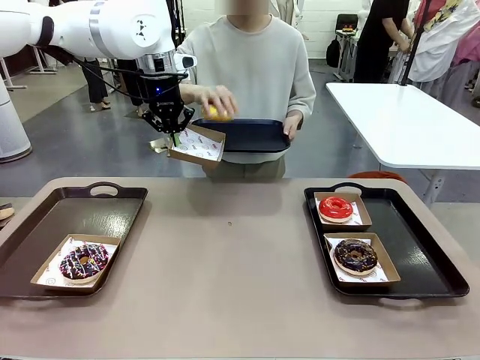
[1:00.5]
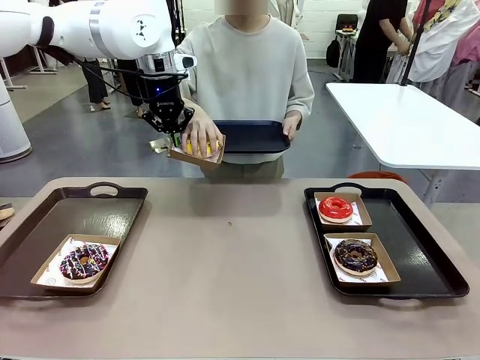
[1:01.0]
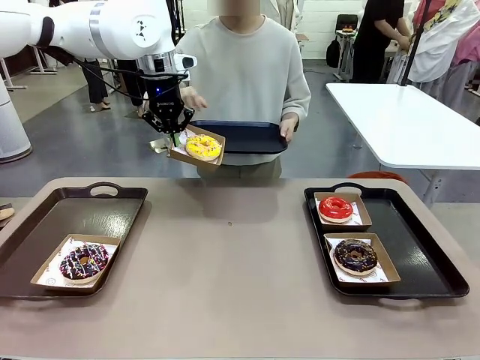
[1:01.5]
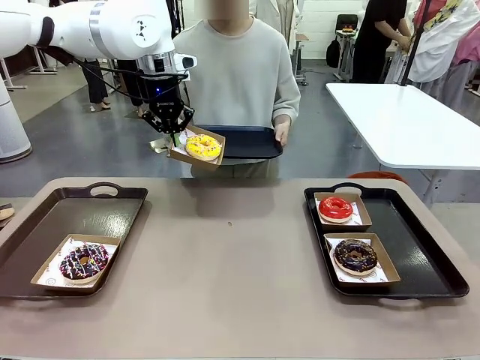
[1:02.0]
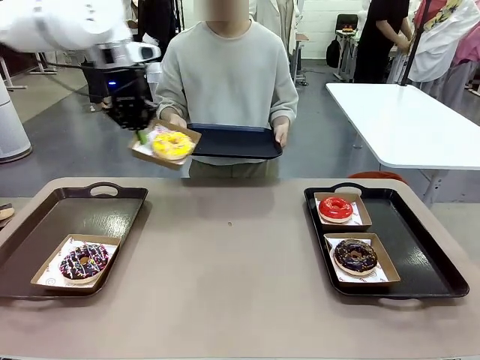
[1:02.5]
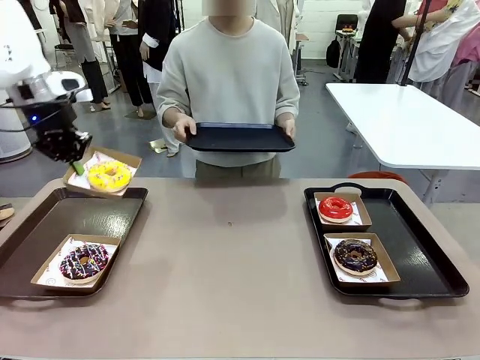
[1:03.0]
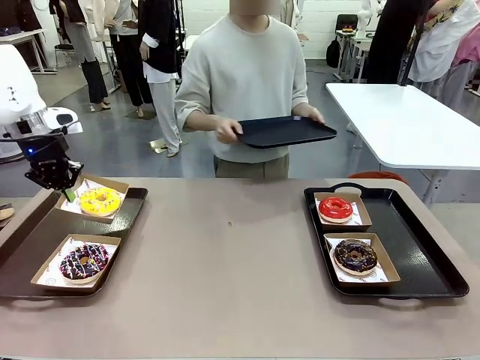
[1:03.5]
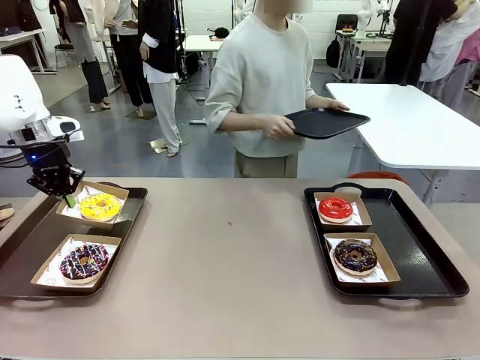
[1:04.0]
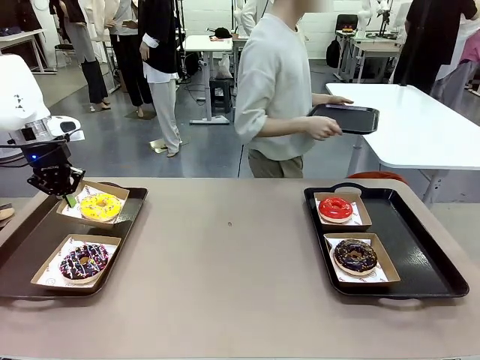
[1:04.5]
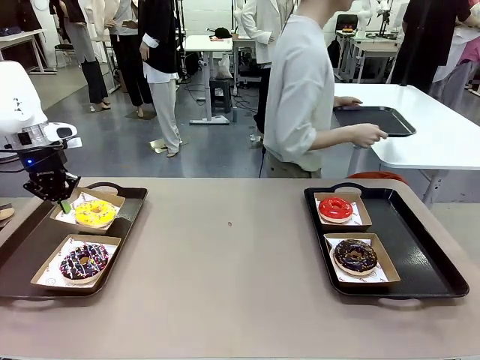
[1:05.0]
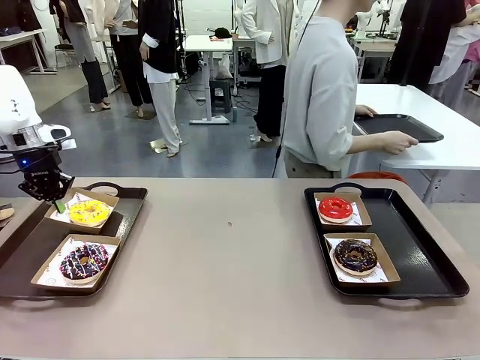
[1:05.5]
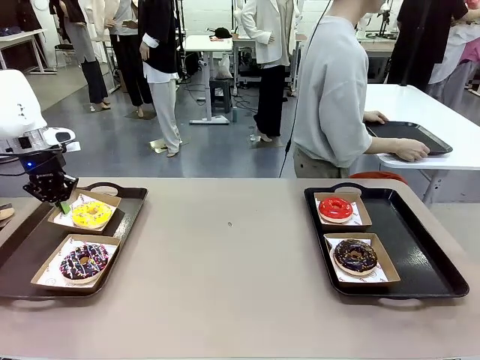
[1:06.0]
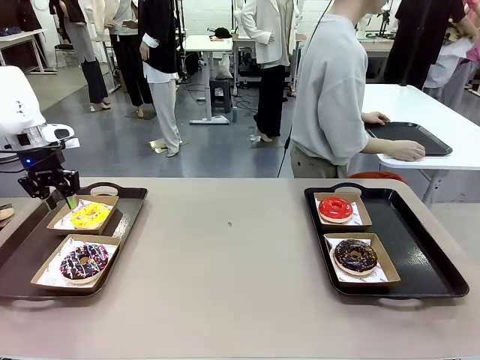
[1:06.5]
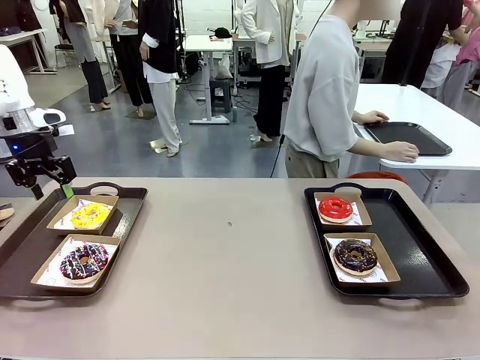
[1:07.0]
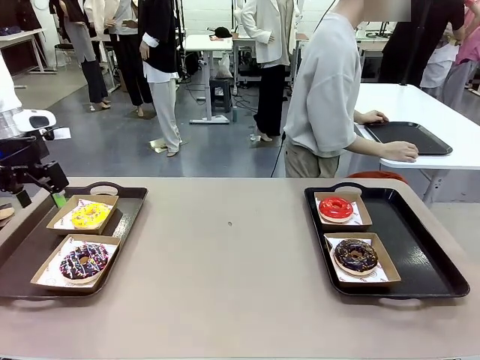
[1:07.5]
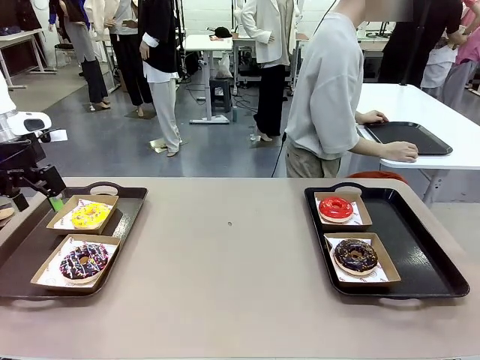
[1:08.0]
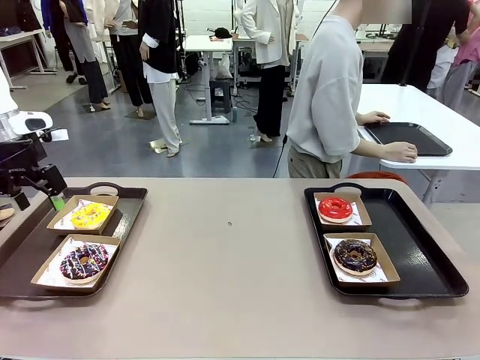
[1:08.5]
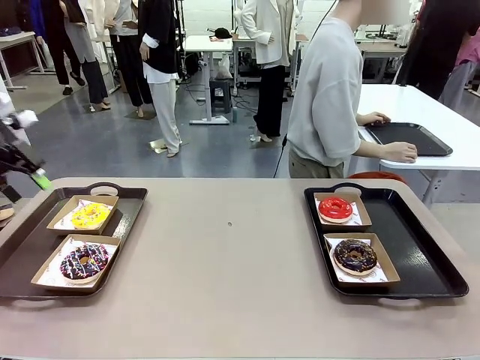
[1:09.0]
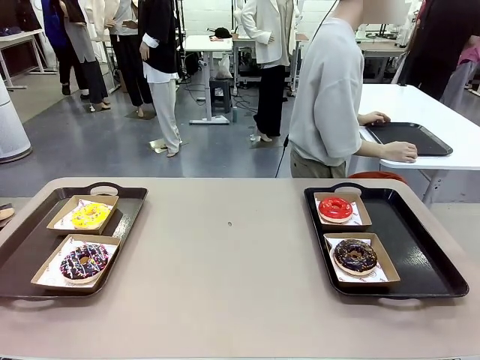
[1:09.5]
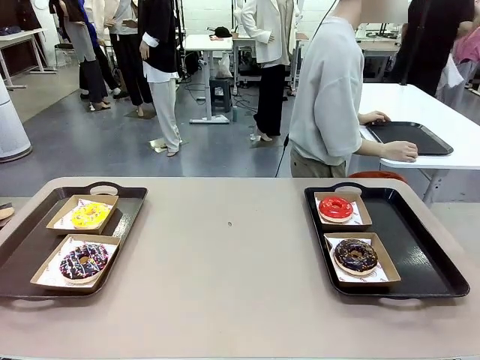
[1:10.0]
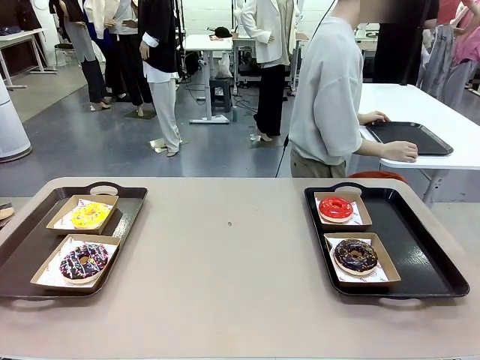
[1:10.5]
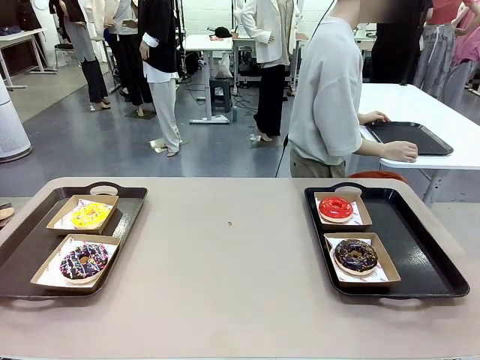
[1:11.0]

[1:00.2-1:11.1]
Task: Individually package the donuts and arrange them on the tray.
Robot: Place the picked Paper togo box on the Handle tray.
Person: Place the tray down in the middle of the human table.

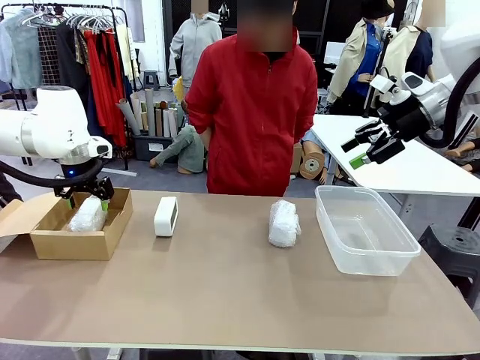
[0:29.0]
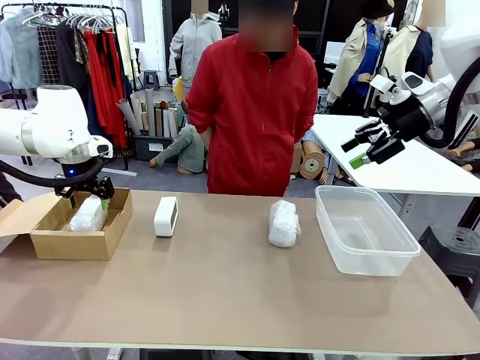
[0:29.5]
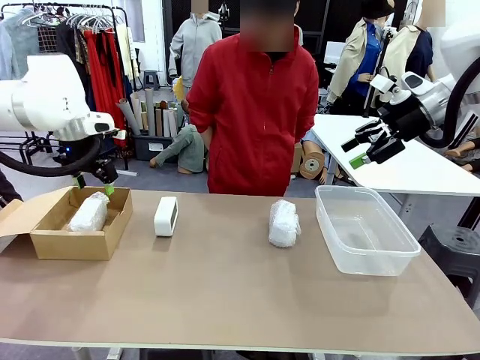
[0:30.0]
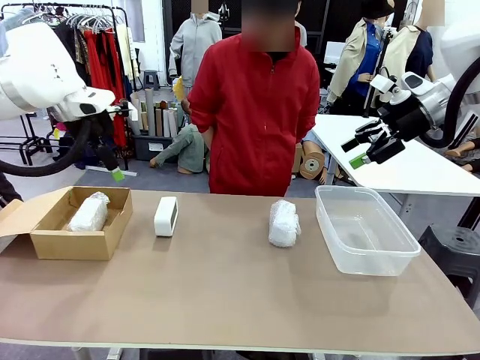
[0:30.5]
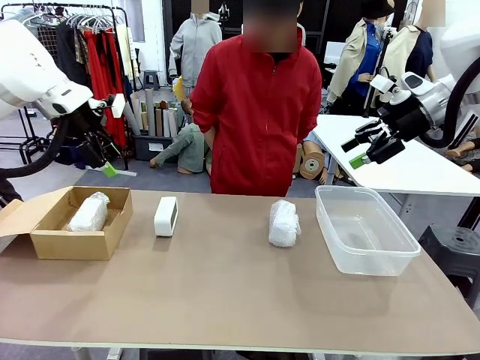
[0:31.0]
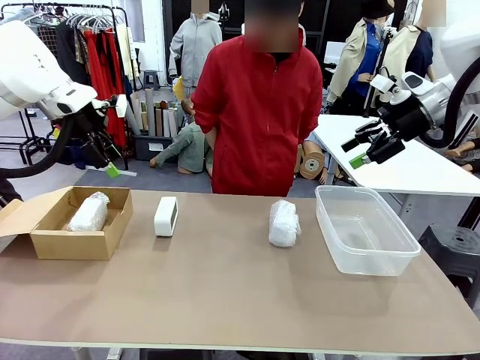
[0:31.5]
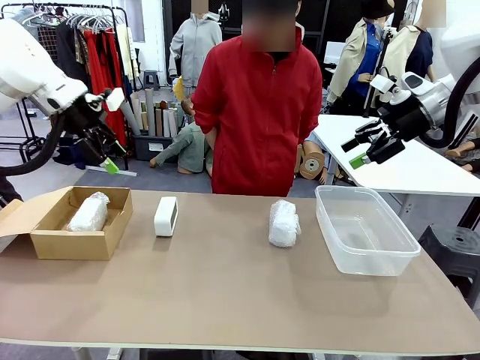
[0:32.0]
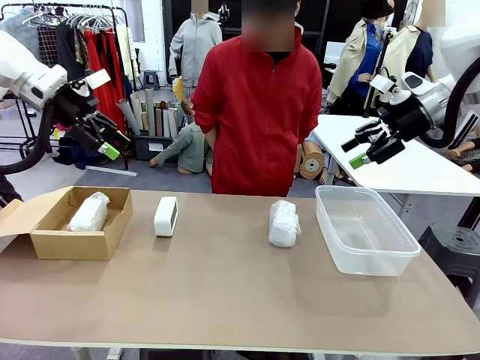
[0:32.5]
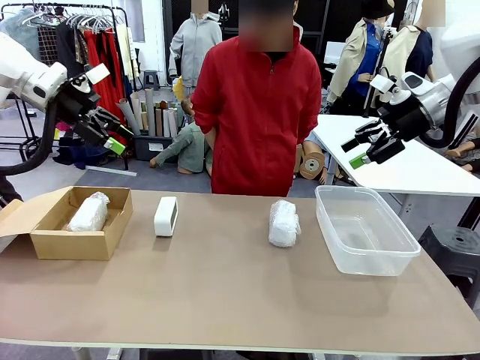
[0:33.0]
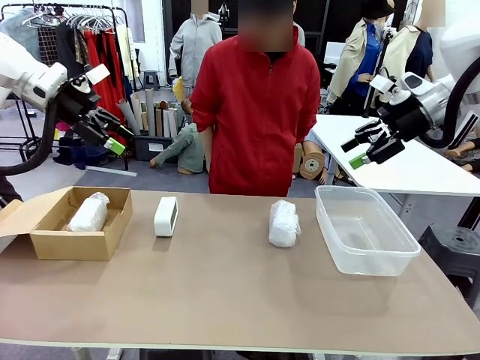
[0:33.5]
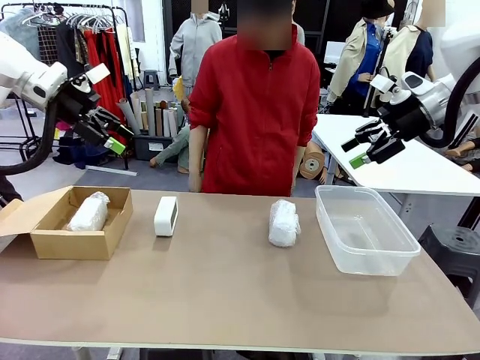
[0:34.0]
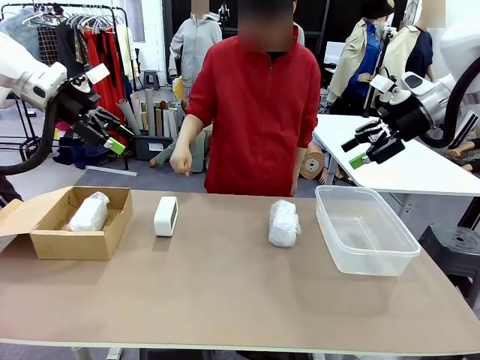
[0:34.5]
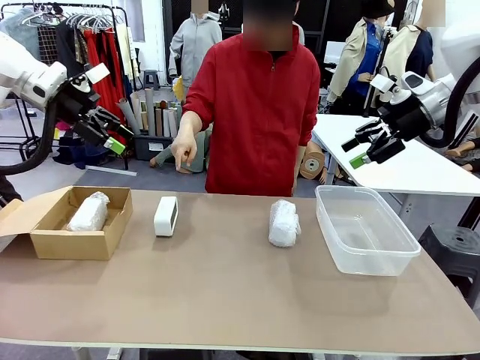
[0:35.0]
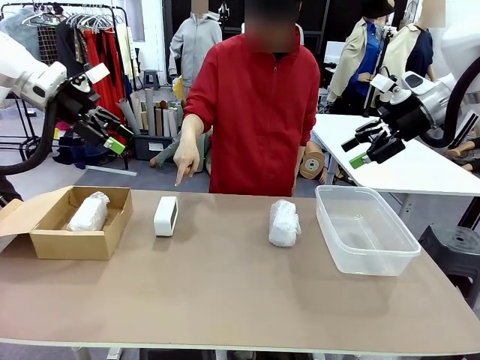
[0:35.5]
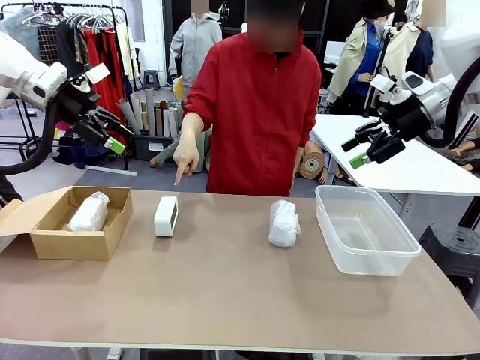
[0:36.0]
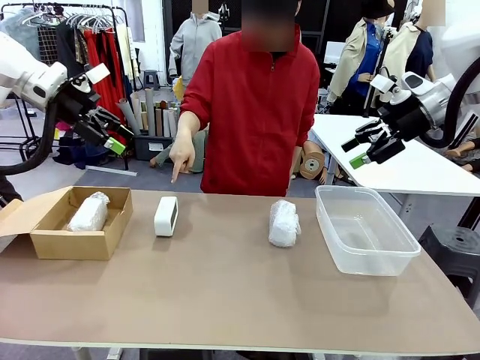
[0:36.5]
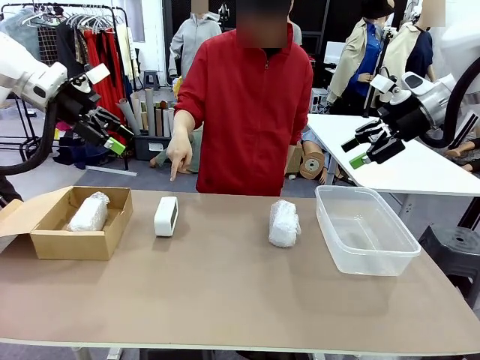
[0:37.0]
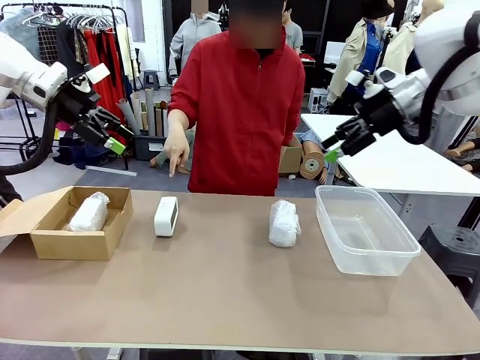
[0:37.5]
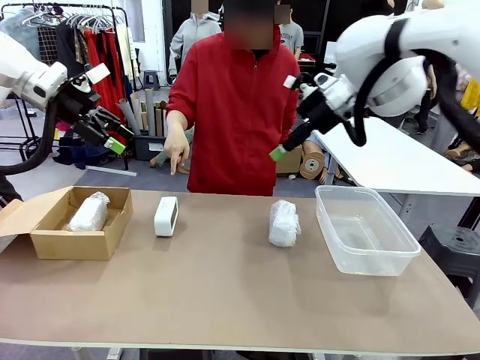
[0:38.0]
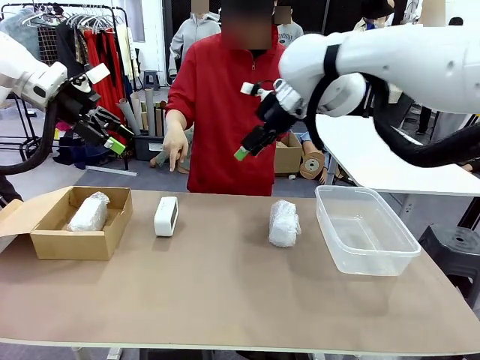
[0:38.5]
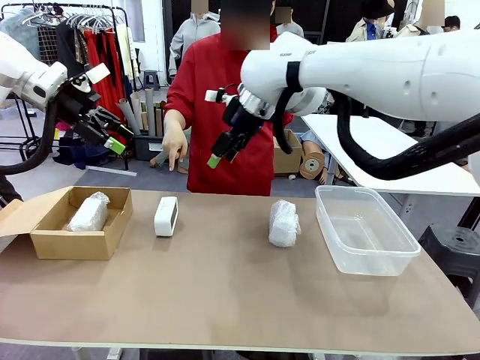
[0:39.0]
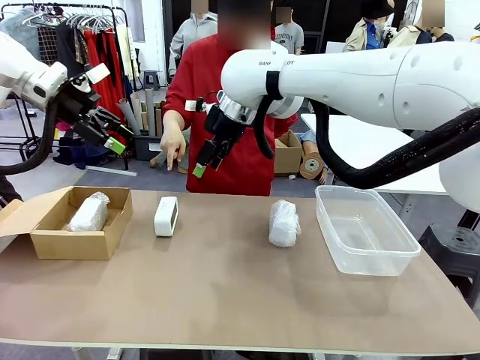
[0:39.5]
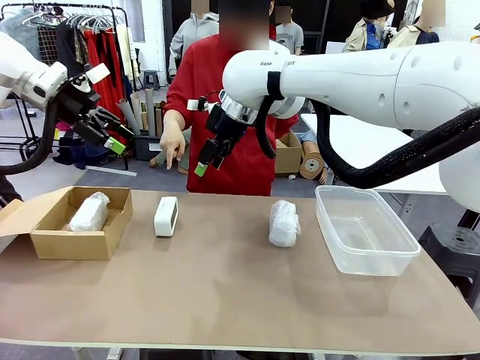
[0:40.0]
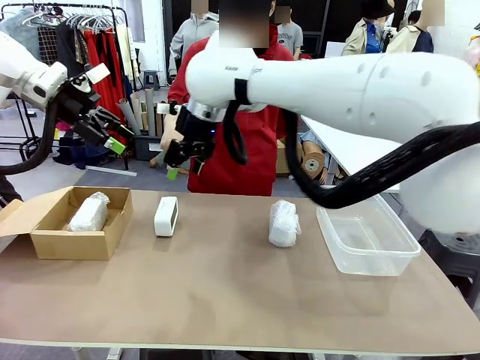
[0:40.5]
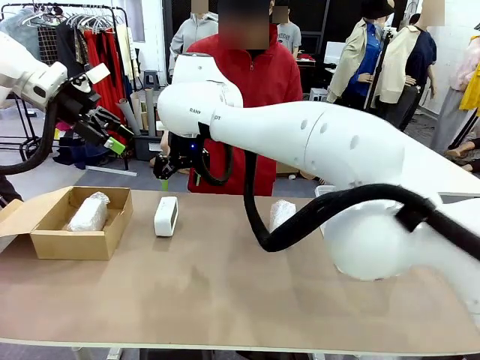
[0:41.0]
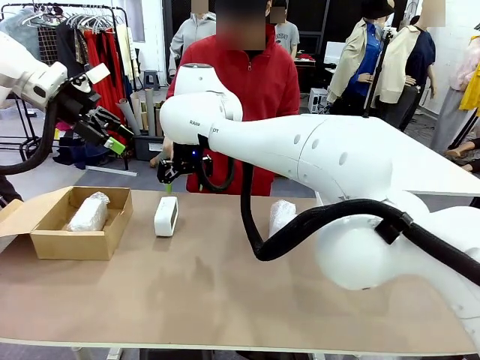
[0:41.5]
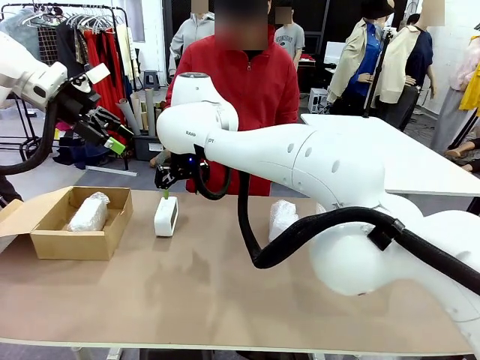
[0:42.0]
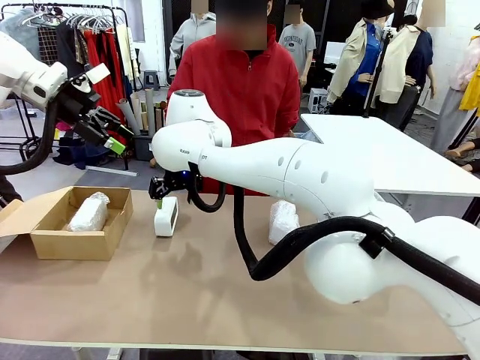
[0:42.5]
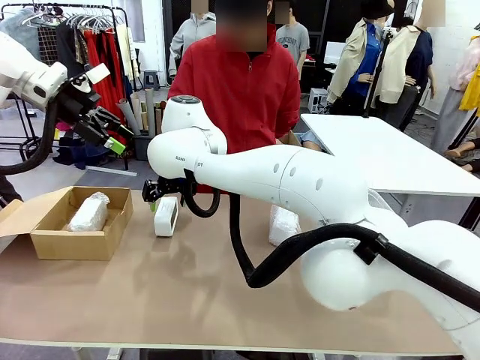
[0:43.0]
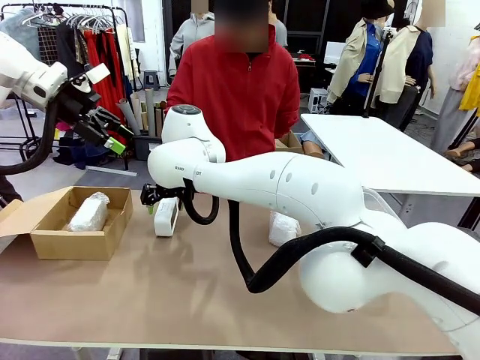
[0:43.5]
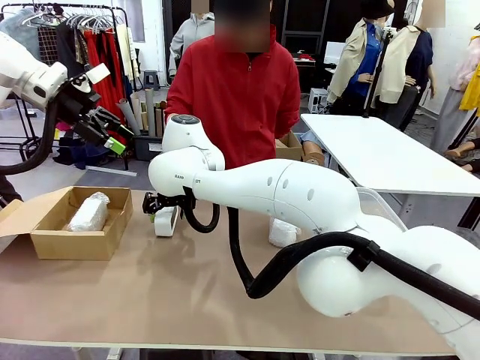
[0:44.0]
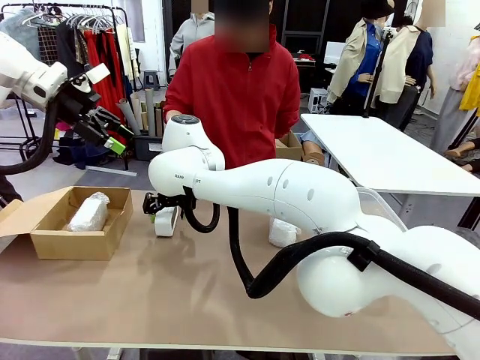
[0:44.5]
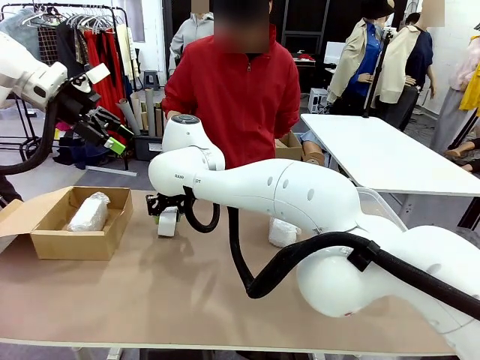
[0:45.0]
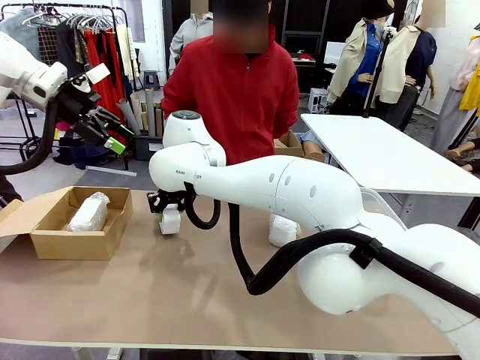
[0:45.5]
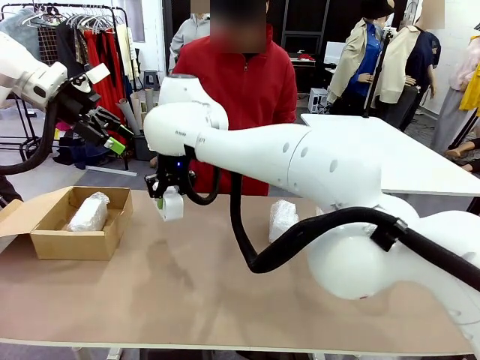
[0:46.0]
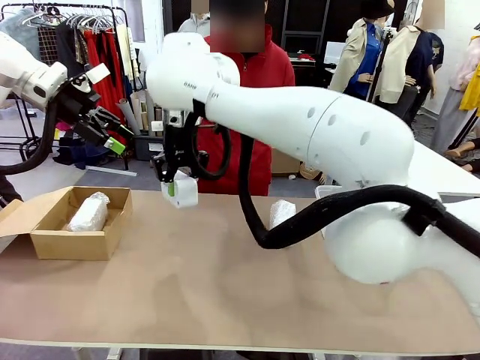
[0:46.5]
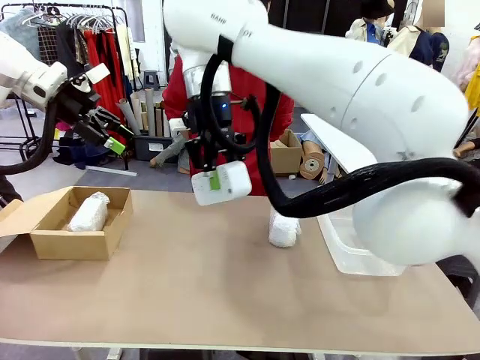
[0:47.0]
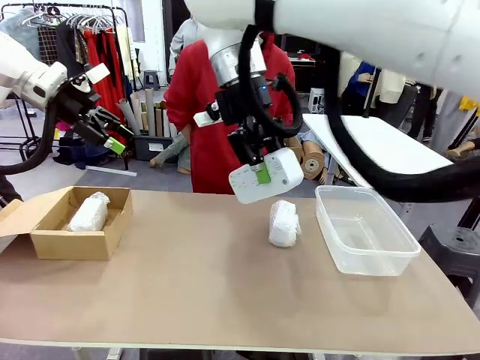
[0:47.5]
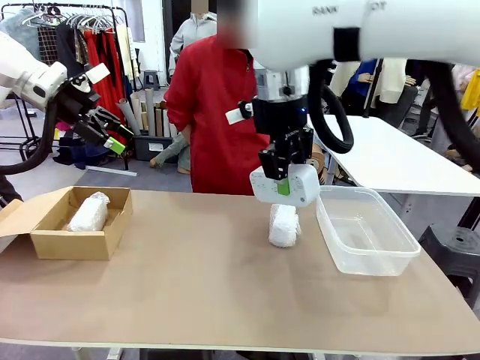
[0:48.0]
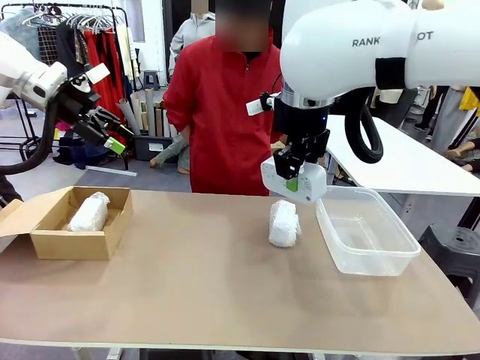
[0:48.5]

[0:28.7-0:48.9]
Task: Separate and place wrapped and unwrapped clocks.
Robot: Pick up the Digital clock indicated by the person.
